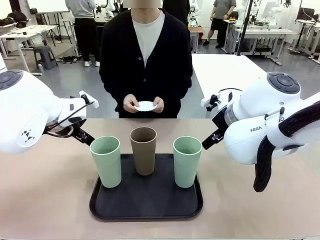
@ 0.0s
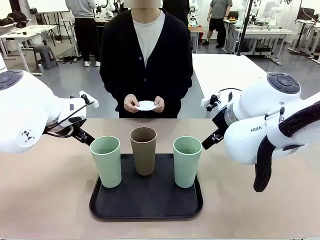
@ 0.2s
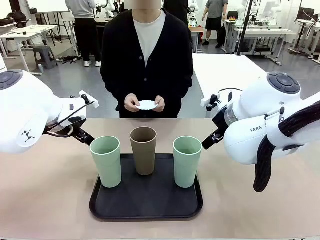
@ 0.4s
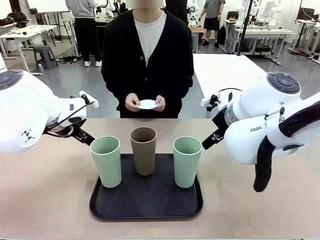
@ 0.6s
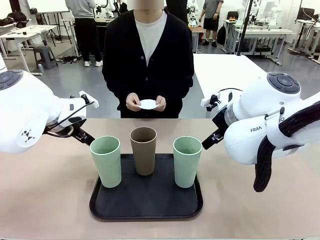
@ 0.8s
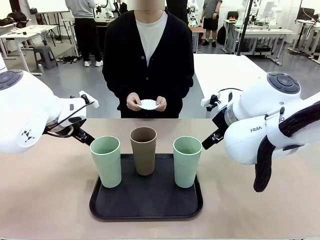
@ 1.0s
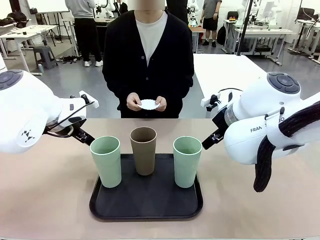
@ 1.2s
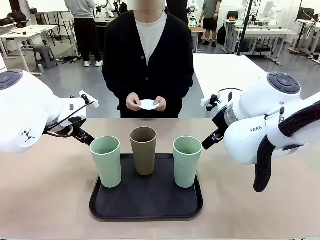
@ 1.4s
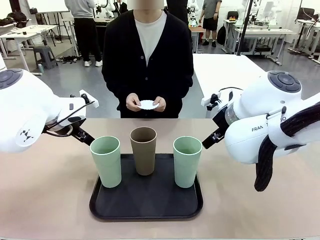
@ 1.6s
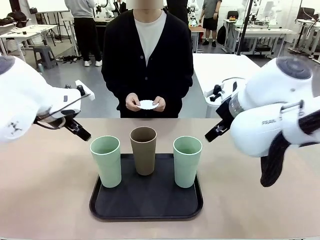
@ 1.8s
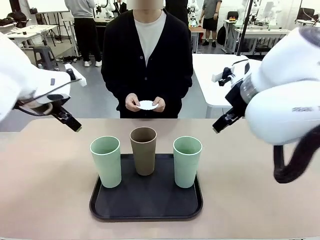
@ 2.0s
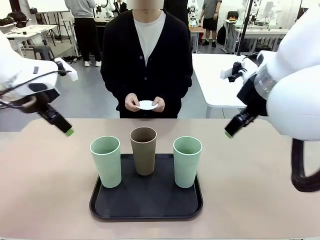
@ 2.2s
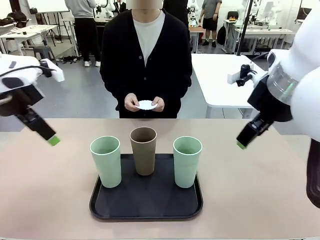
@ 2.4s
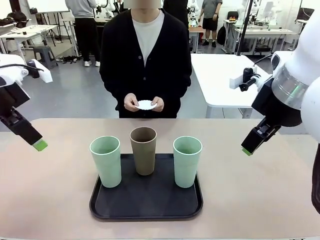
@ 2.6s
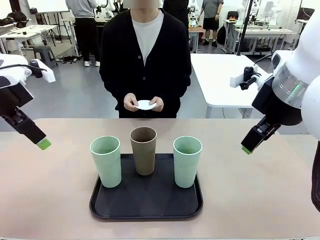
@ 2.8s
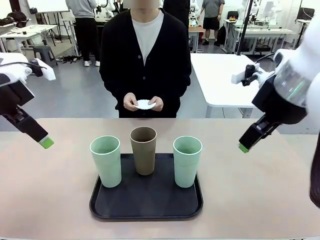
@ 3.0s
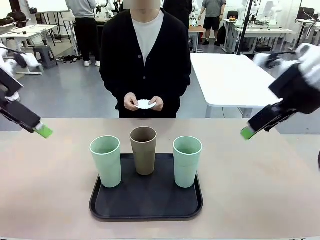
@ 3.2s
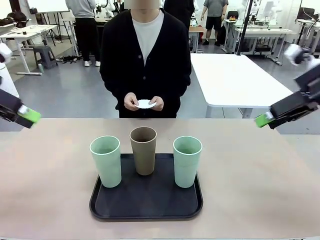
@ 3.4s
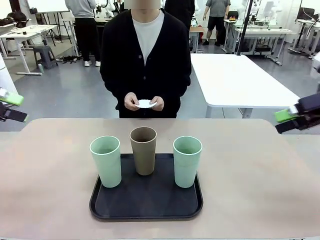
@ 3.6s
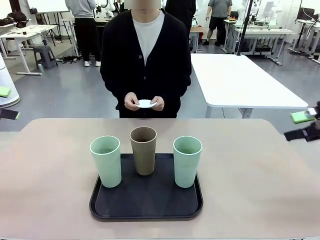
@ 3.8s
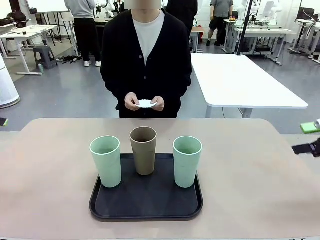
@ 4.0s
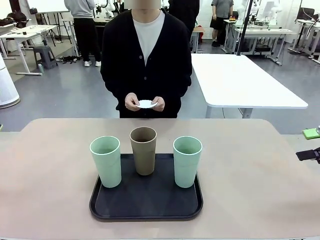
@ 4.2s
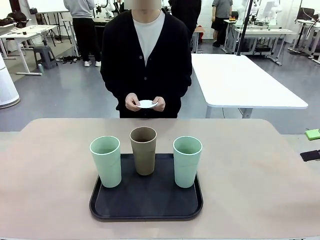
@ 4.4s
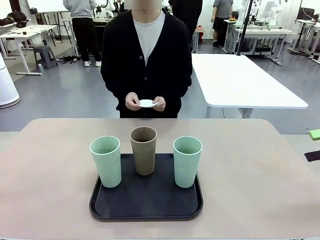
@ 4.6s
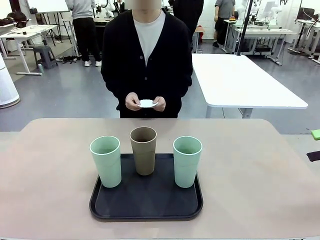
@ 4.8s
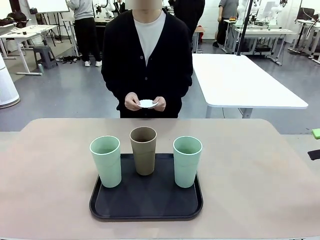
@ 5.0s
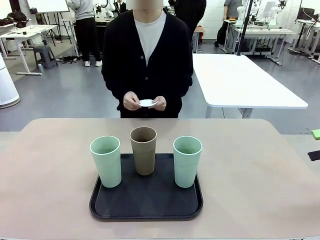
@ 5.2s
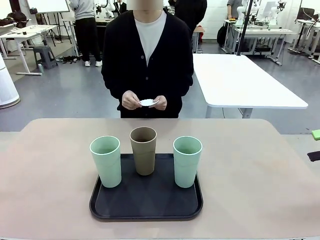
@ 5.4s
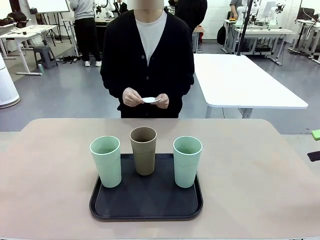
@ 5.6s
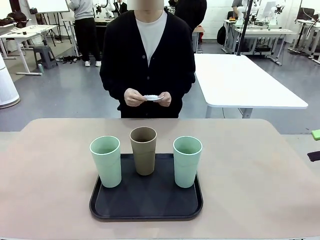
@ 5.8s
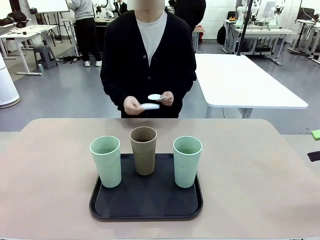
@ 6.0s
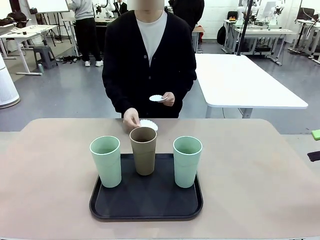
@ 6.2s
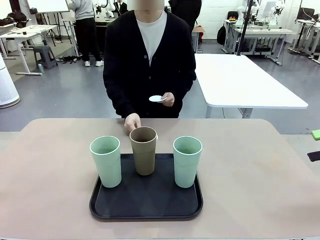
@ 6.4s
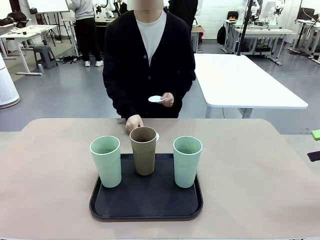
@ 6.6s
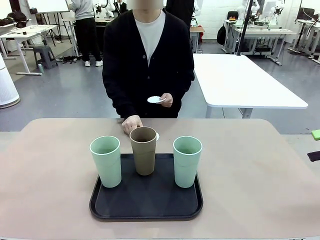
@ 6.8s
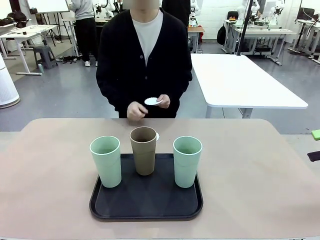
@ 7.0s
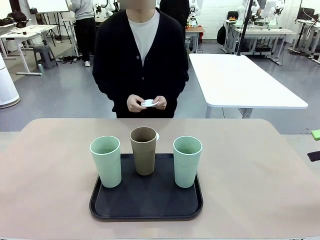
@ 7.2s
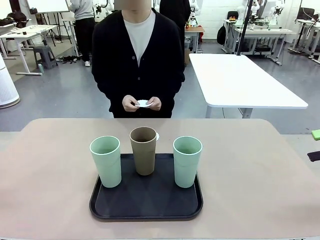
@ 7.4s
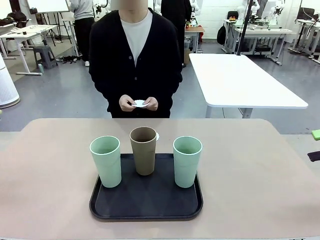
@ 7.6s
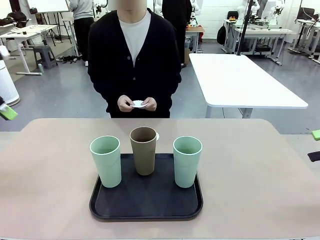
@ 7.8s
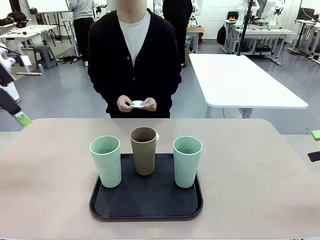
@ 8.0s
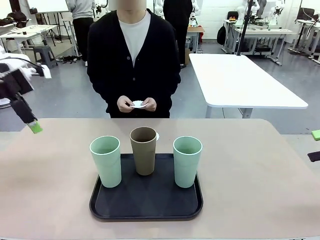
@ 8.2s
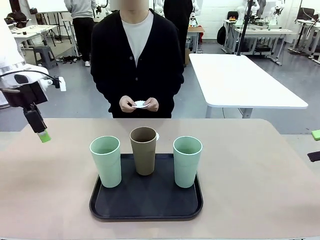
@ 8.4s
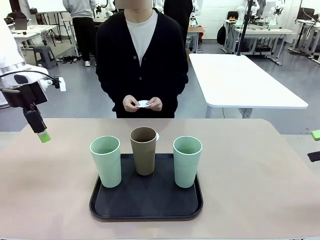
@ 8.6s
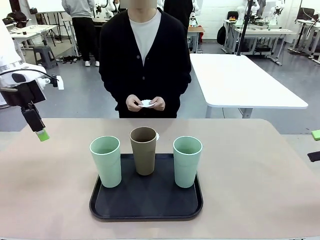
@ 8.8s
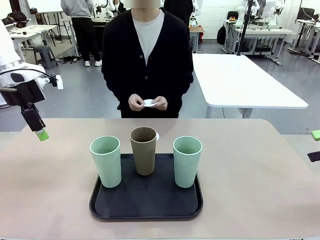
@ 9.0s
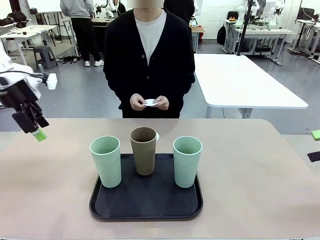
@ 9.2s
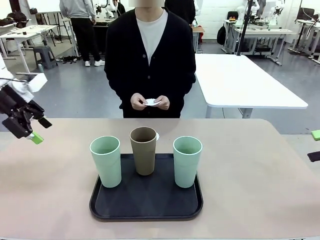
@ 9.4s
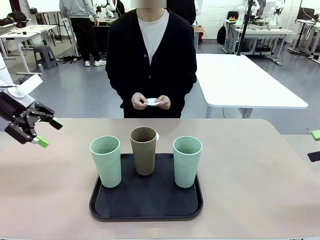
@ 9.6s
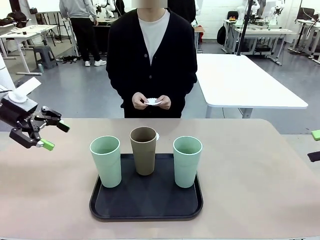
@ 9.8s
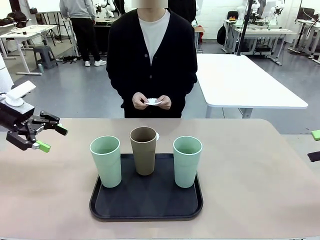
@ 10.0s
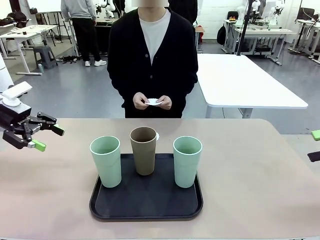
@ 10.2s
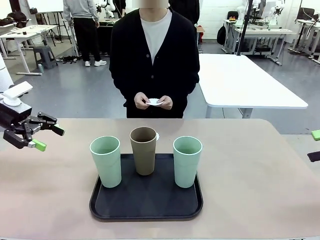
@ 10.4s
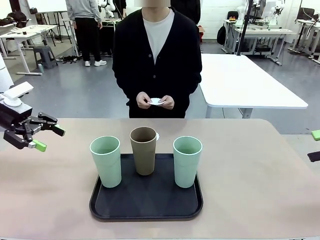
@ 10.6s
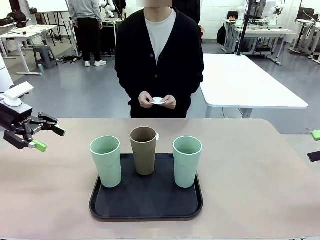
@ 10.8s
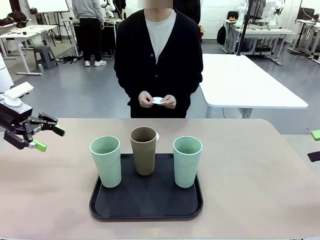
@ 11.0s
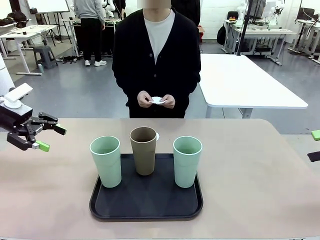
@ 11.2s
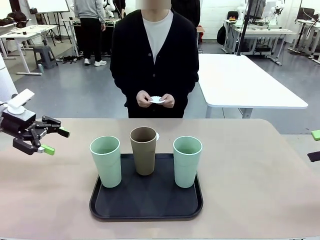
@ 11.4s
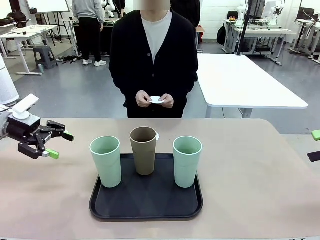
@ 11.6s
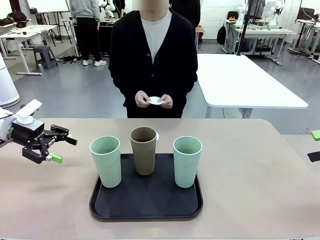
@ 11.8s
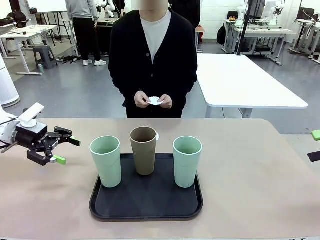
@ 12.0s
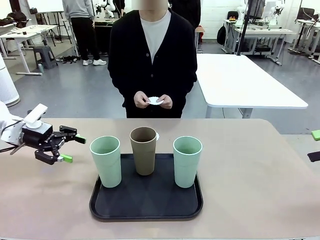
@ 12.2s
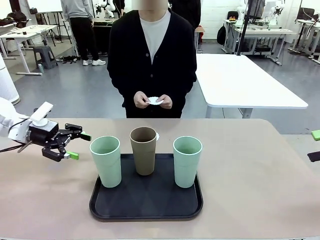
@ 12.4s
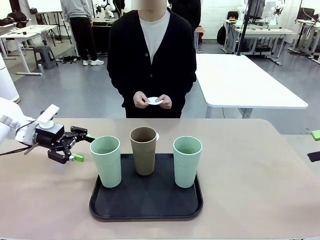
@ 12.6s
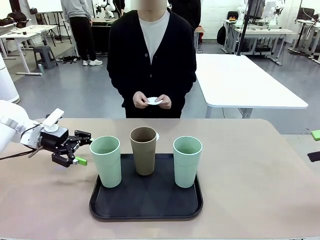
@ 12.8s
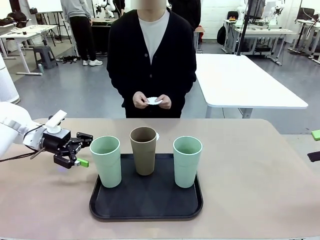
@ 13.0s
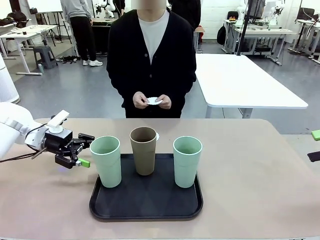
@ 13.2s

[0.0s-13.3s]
Task: Place coasters on the table and set cups on them.
Robot: Pick up one Reusable plastic cup and place it on a coaster set by the human.
Person: Place one coaster in any one of the three lower areas of the robot table (left, center, or right).

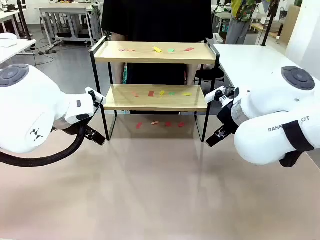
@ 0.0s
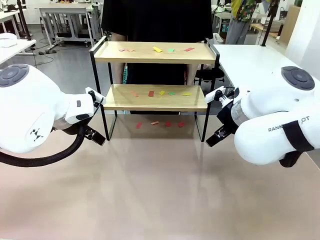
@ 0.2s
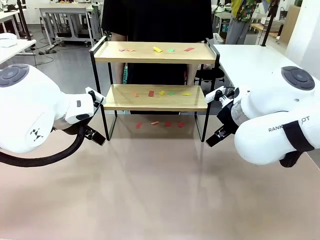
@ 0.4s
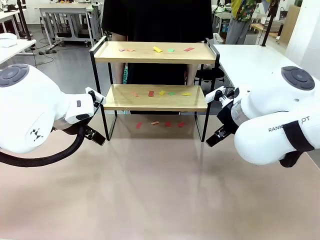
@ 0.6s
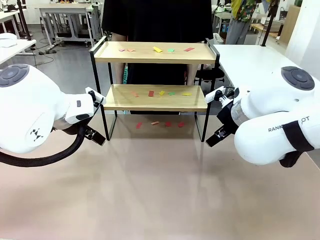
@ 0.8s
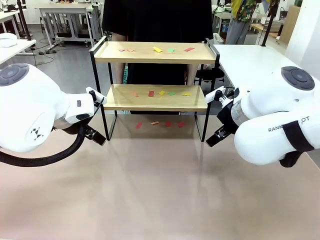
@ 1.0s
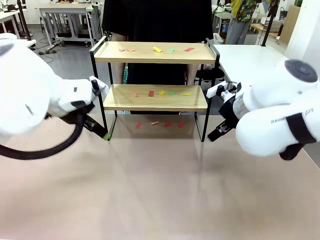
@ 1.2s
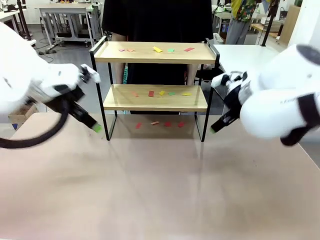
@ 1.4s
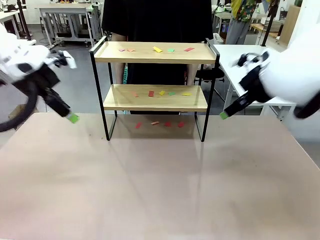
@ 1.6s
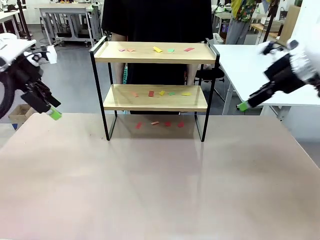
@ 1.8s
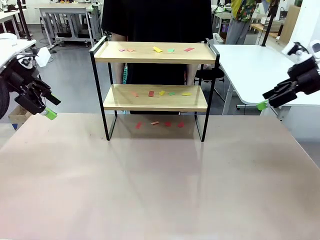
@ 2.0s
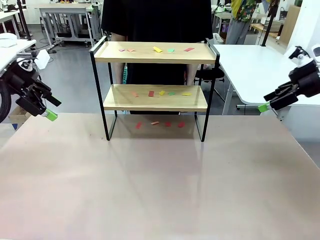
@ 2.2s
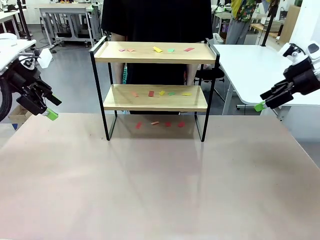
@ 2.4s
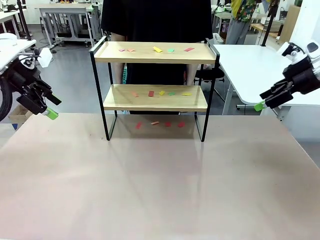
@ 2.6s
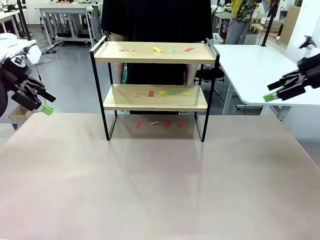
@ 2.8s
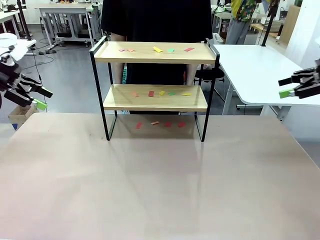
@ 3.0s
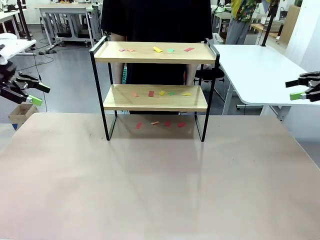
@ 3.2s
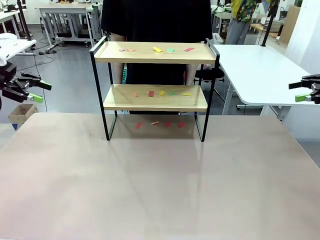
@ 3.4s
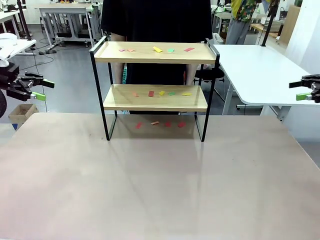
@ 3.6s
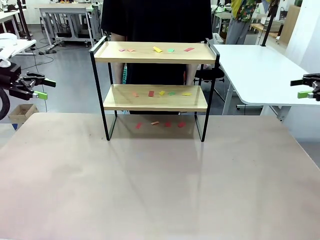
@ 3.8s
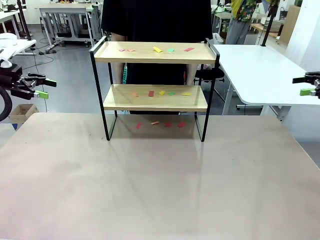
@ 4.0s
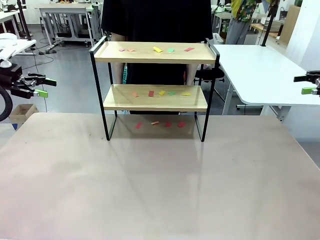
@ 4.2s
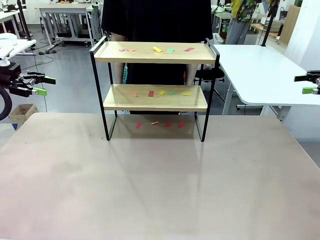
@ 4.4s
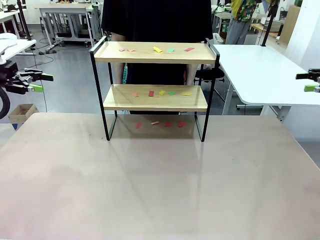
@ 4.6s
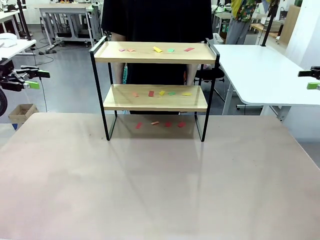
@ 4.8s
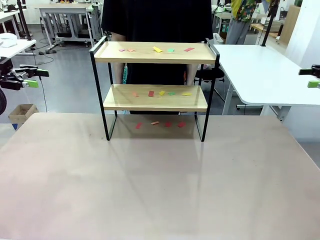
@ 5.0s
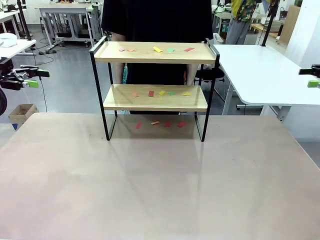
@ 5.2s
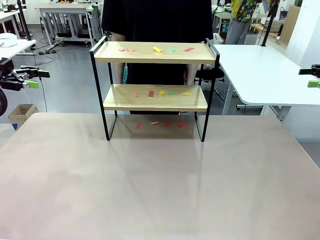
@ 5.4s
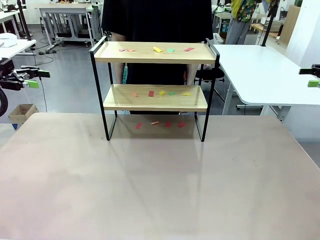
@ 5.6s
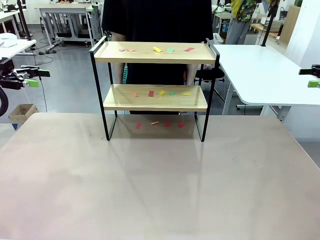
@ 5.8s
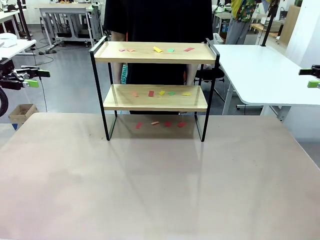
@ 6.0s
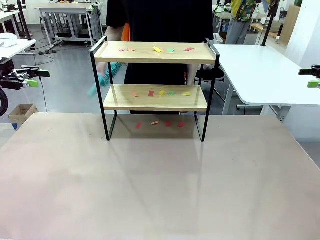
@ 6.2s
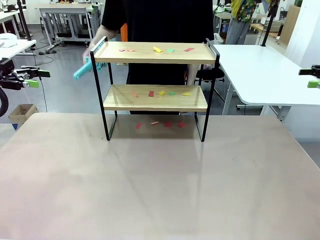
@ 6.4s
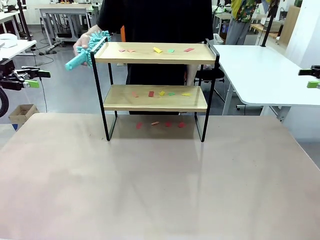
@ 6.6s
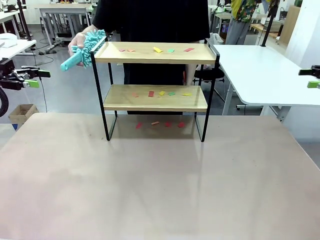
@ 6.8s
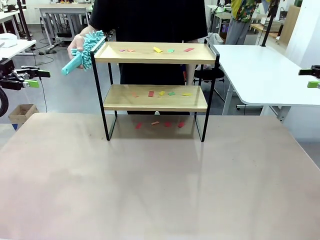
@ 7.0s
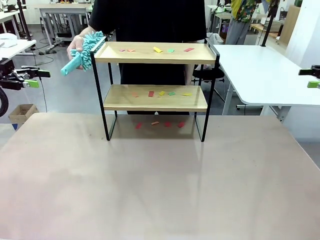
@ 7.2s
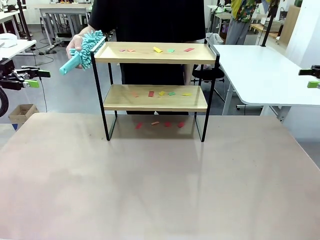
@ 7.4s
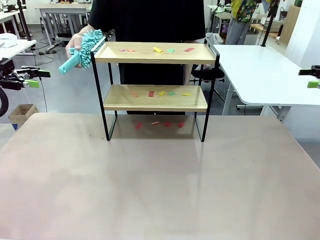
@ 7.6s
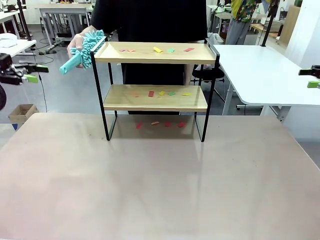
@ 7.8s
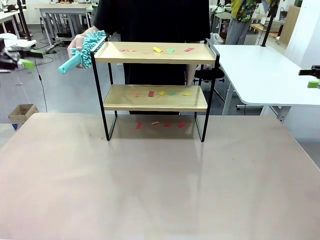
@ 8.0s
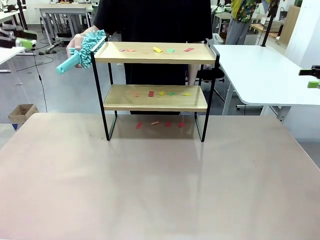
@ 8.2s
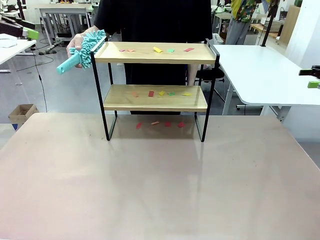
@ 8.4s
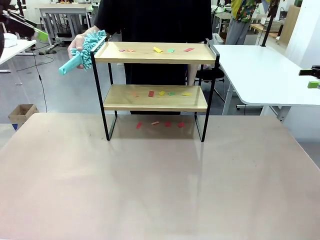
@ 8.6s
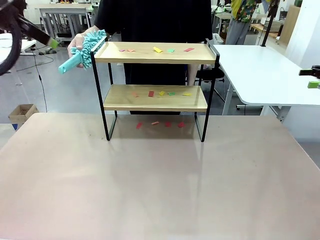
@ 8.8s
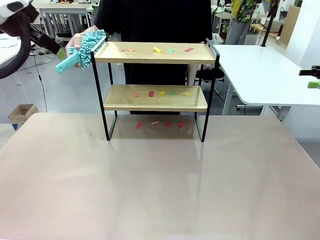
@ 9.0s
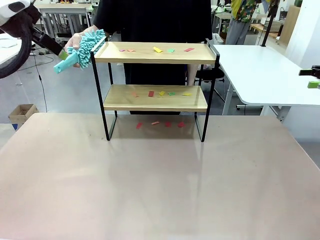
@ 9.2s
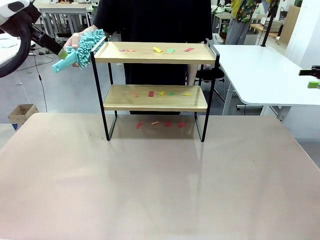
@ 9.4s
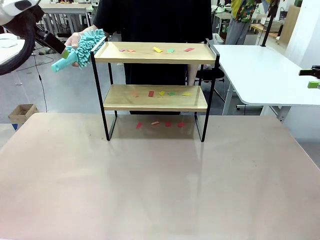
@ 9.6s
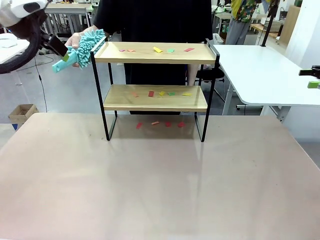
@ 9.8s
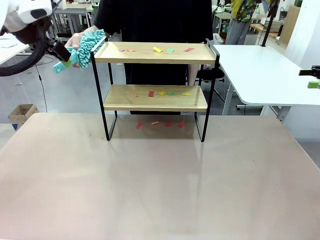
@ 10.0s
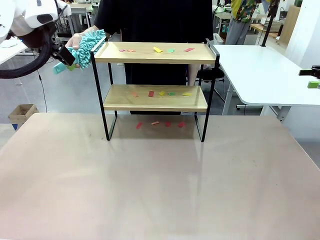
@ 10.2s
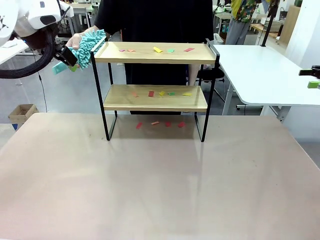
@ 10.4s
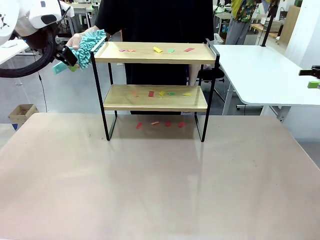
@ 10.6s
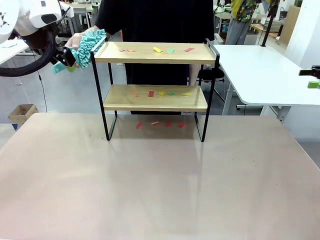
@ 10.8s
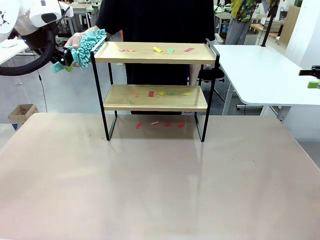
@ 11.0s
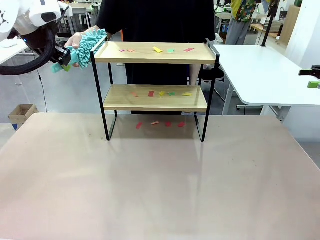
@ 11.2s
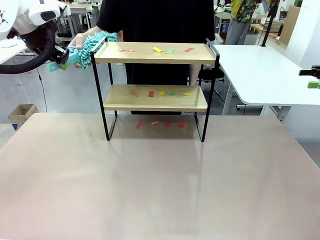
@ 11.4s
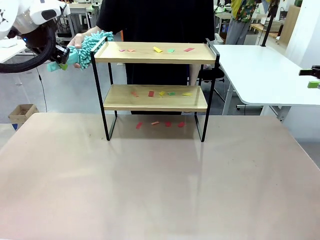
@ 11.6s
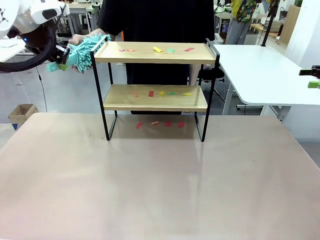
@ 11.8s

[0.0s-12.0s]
Task: Clean the shelf.
Robot: Pick up the Duster handed by the human.
Person: Hand the Duster to the robot.
